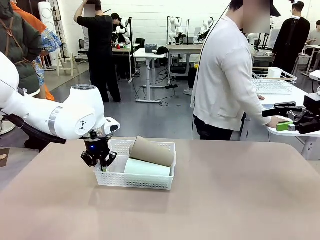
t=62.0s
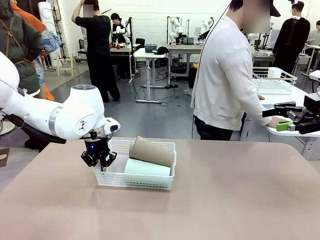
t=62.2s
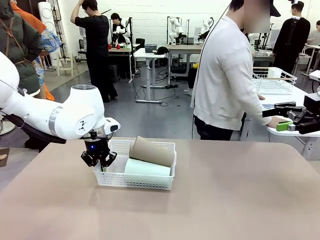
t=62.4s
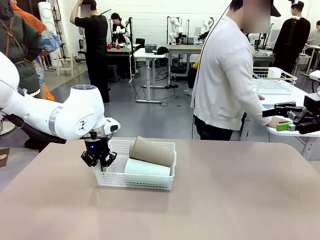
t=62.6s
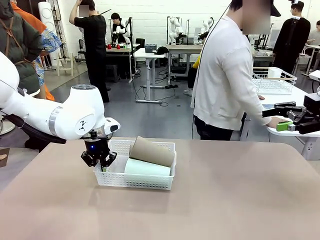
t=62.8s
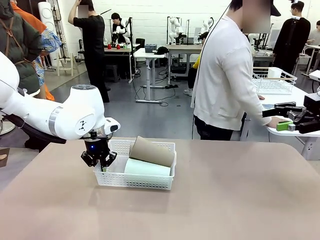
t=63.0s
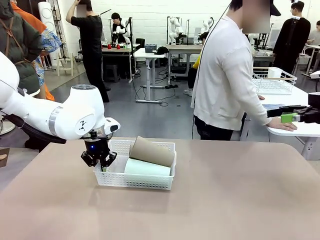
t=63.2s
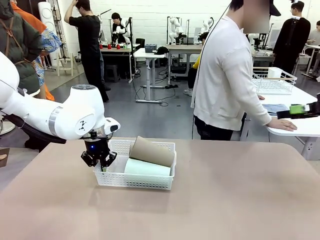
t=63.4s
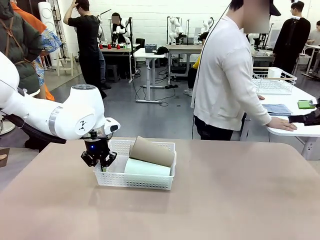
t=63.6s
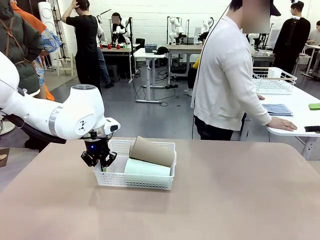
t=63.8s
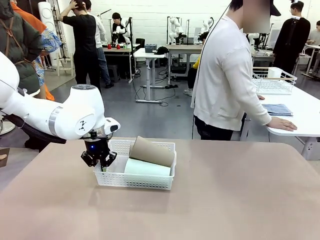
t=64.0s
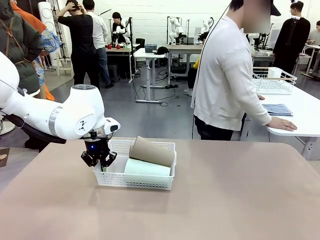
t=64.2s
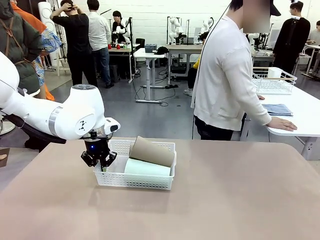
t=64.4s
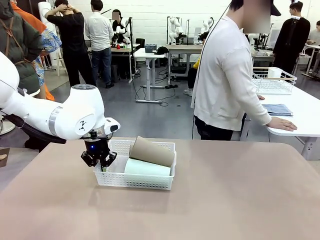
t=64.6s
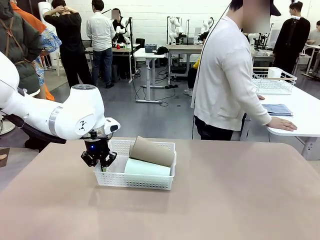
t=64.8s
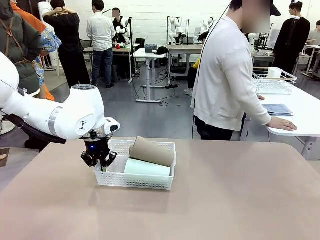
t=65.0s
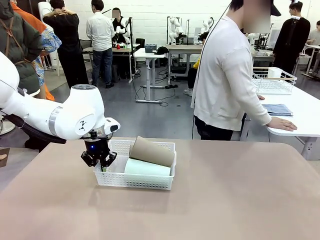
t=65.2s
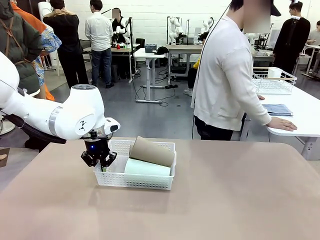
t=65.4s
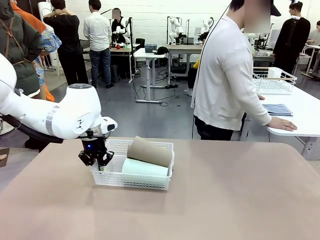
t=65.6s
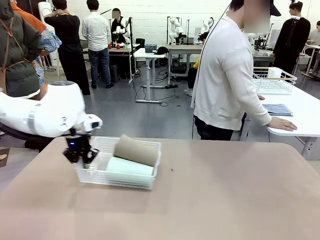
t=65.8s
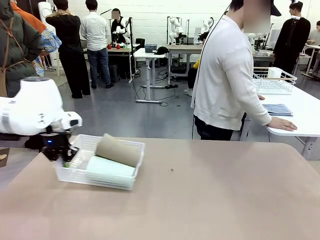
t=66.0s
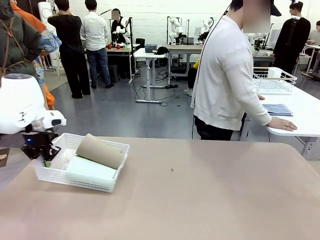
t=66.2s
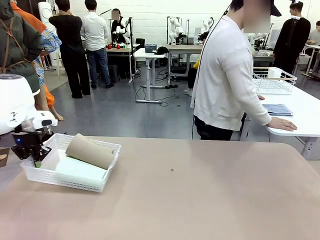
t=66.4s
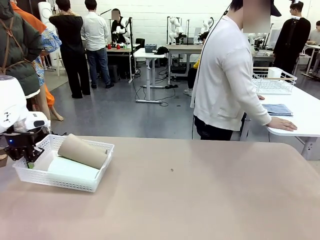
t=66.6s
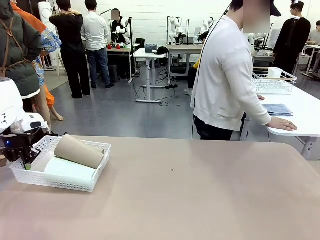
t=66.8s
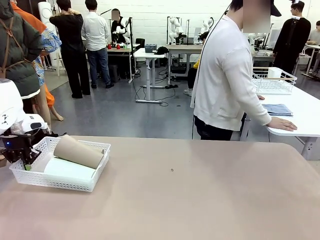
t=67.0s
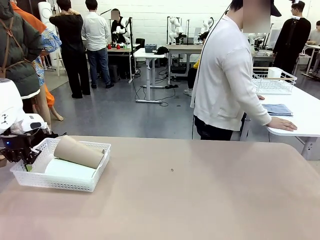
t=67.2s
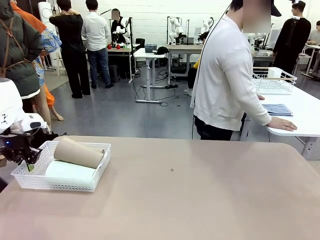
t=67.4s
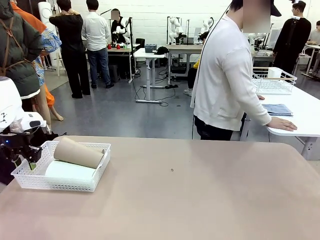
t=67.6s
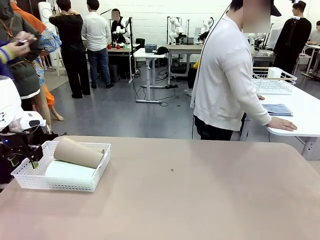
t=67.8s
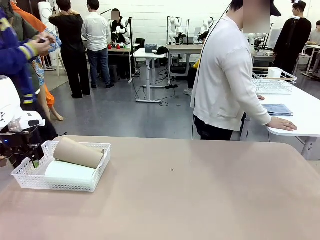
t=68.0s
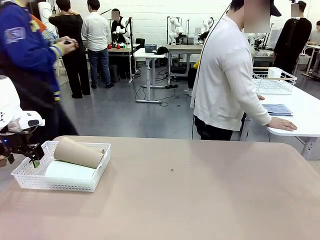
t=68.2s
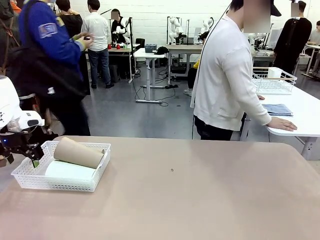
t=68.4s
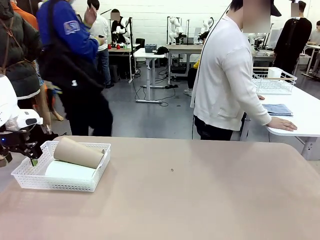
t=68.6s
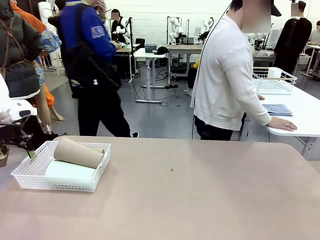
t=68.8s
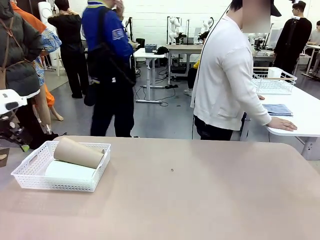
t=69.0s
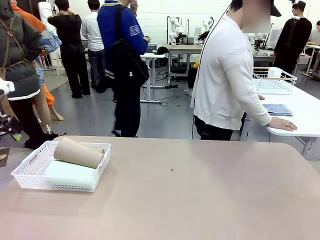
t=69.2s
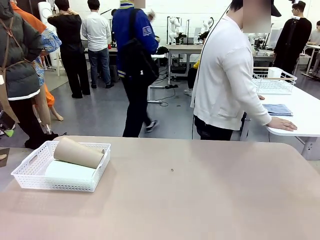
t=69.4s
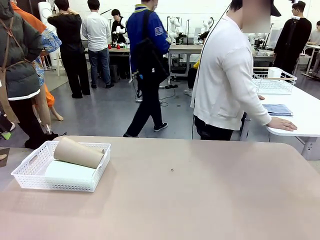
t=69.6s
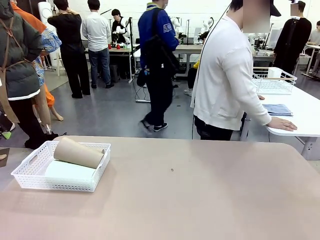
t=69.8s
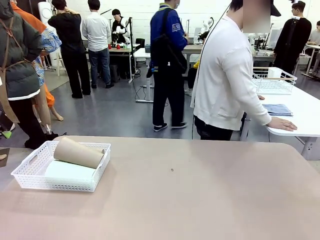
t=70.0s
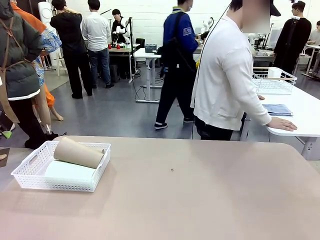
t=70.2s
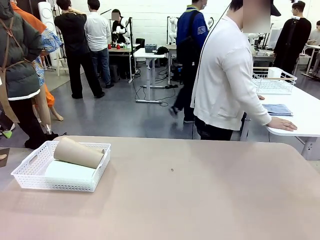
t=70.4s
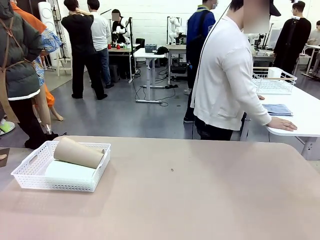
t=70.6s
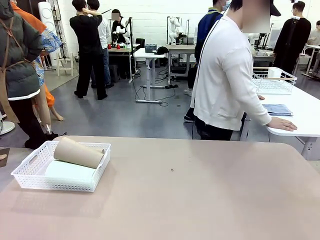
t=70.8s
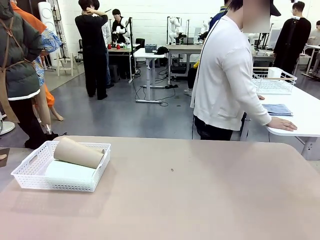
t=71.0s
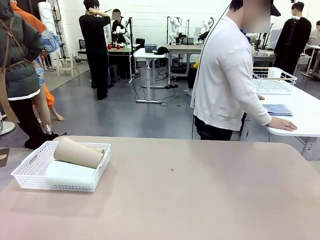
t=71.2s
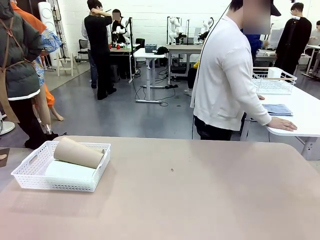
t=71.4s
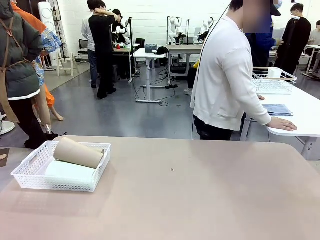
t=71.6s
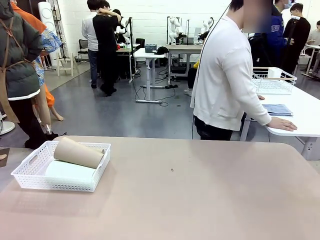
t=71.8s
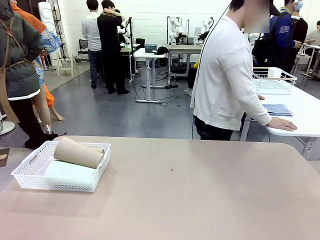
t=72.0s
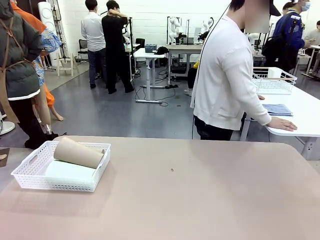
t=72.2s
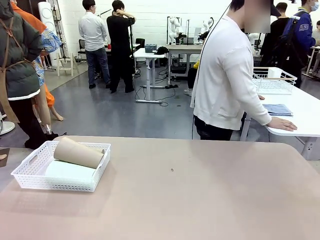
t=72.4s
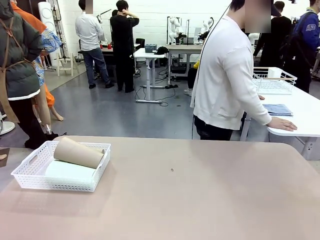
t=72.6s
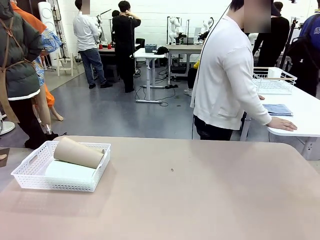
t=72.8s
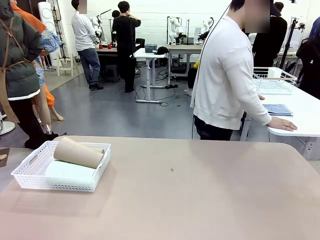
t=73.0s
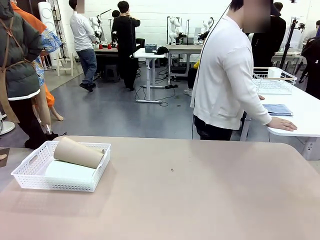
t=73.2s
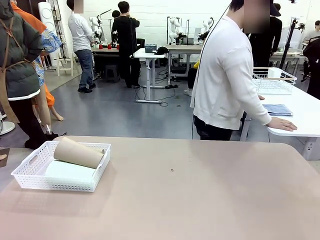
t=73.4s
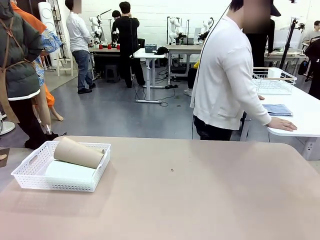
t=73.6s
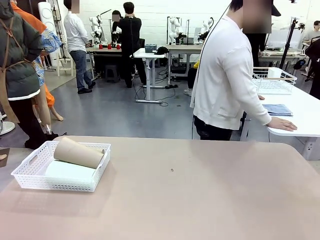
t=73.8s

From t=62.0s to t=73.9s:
Task: Clean and organize the cups into the basket.
Robot: Move the Organizing basket back to the left side of the table.
Person: Folds the towel in half twice and places it in the right of the table.

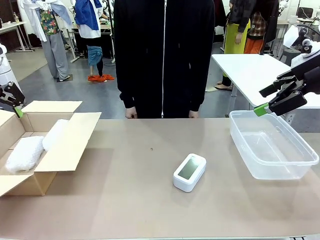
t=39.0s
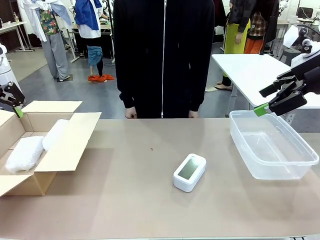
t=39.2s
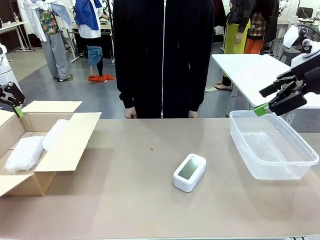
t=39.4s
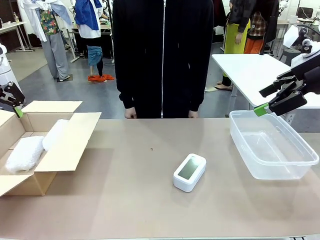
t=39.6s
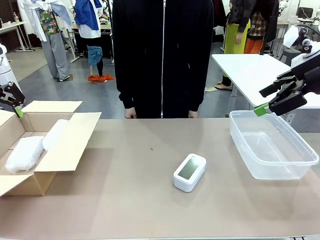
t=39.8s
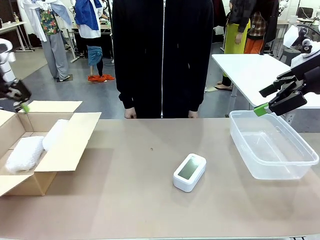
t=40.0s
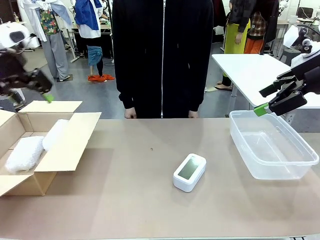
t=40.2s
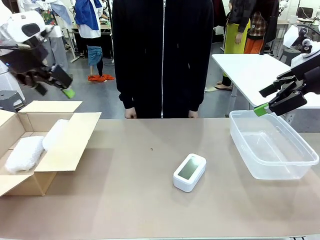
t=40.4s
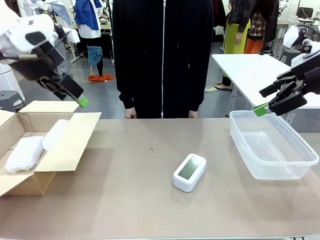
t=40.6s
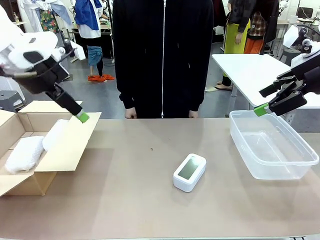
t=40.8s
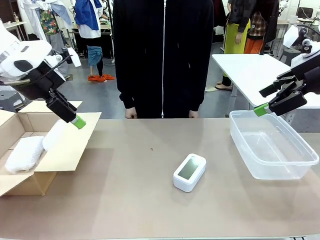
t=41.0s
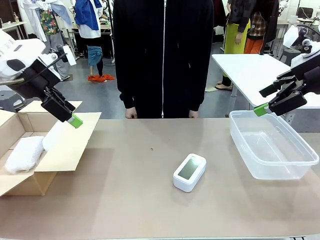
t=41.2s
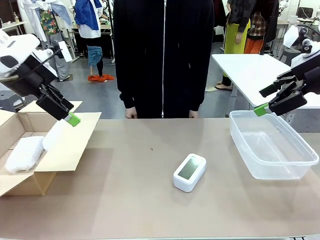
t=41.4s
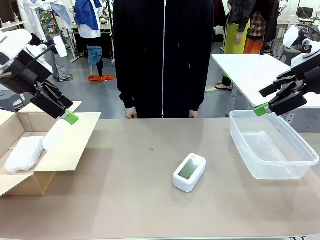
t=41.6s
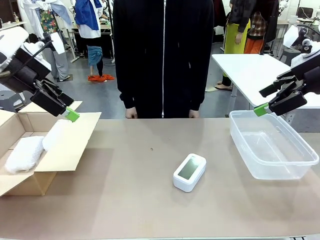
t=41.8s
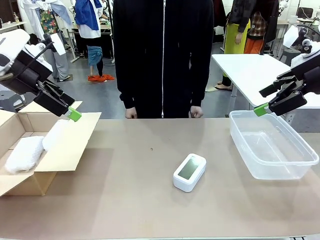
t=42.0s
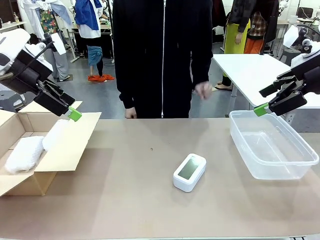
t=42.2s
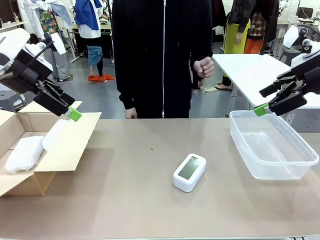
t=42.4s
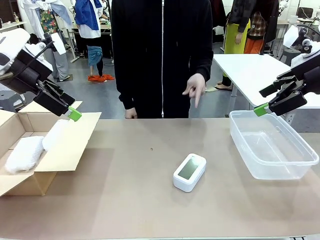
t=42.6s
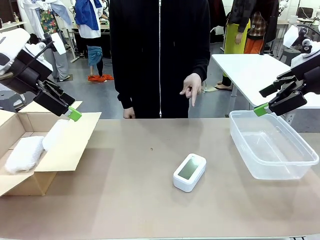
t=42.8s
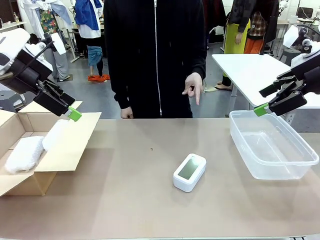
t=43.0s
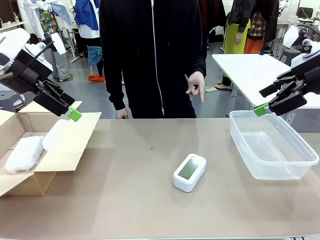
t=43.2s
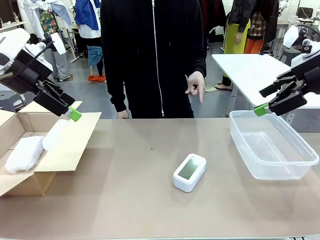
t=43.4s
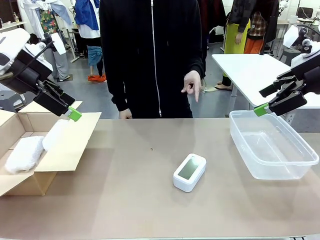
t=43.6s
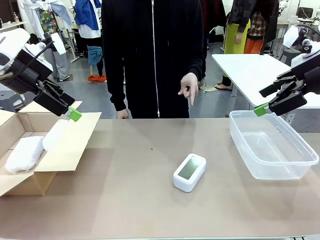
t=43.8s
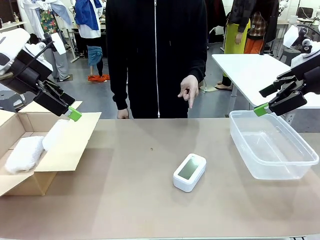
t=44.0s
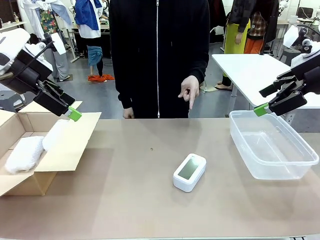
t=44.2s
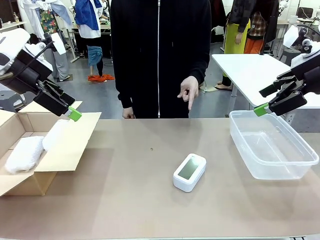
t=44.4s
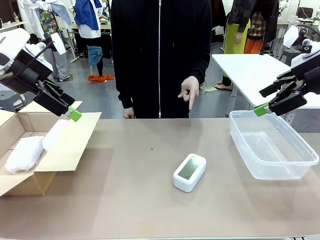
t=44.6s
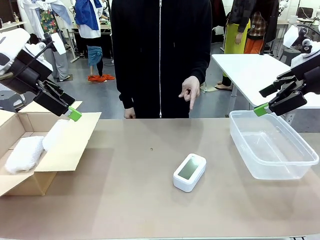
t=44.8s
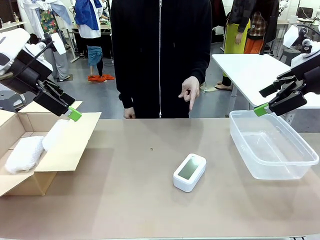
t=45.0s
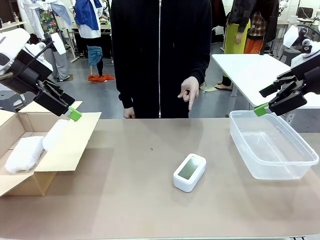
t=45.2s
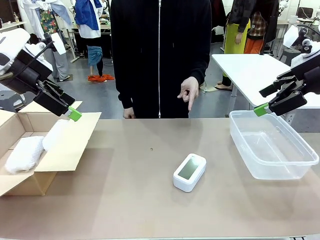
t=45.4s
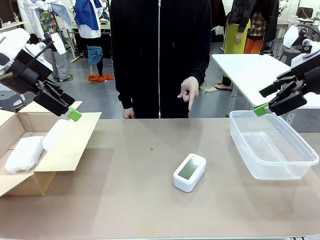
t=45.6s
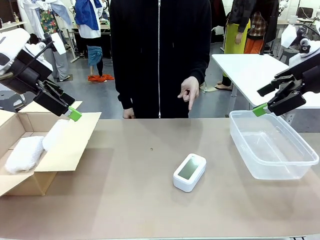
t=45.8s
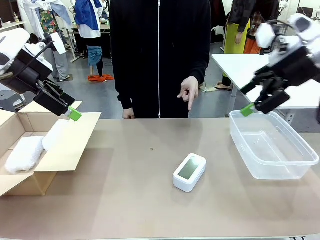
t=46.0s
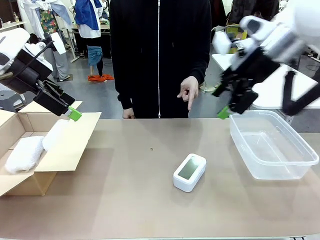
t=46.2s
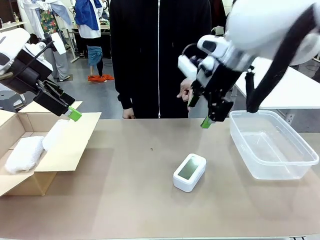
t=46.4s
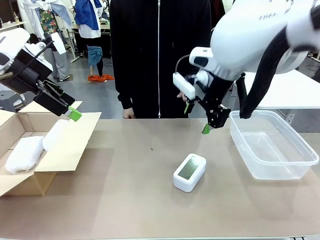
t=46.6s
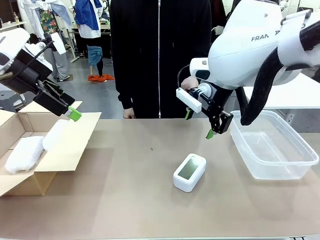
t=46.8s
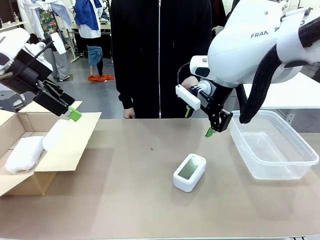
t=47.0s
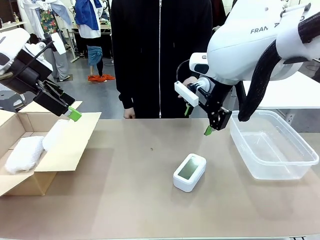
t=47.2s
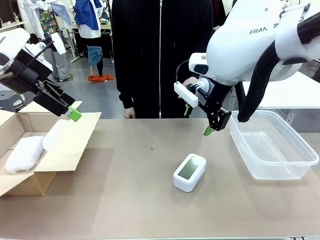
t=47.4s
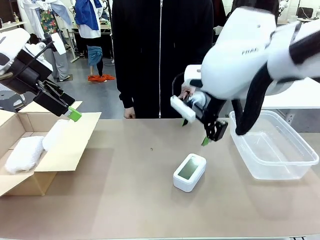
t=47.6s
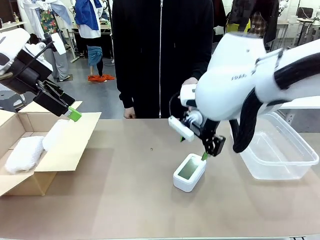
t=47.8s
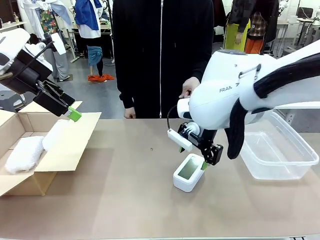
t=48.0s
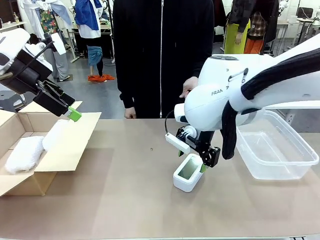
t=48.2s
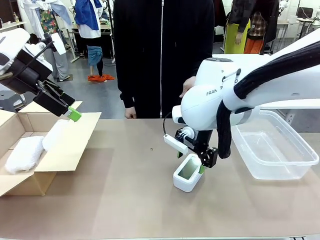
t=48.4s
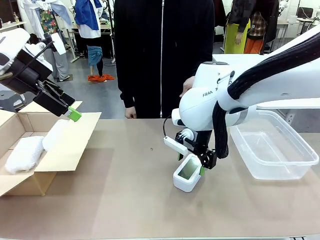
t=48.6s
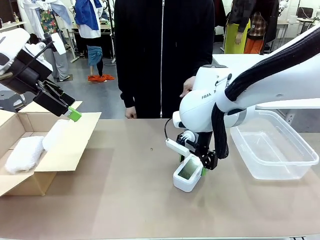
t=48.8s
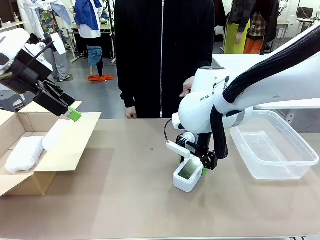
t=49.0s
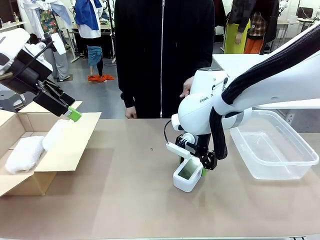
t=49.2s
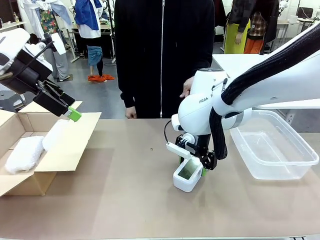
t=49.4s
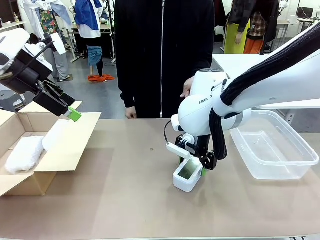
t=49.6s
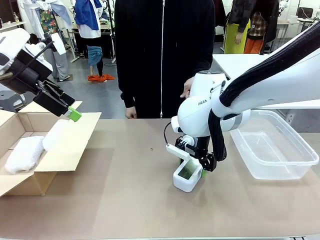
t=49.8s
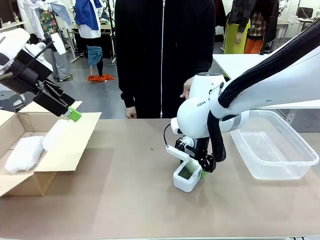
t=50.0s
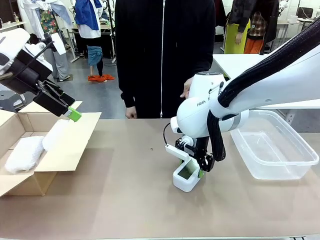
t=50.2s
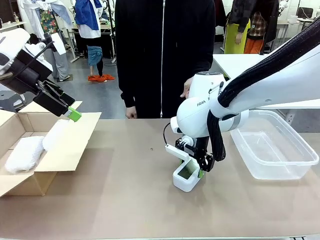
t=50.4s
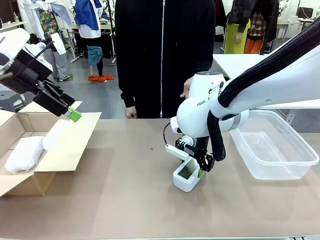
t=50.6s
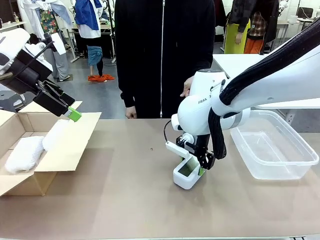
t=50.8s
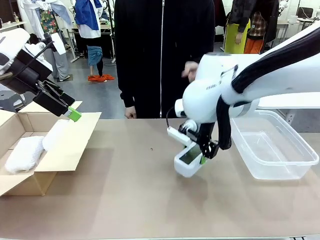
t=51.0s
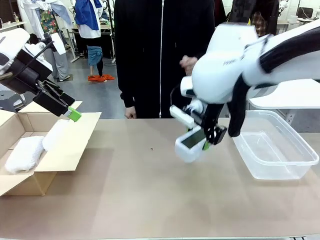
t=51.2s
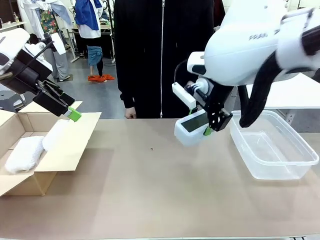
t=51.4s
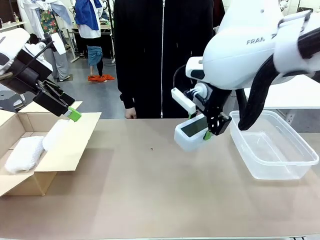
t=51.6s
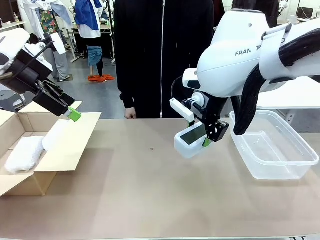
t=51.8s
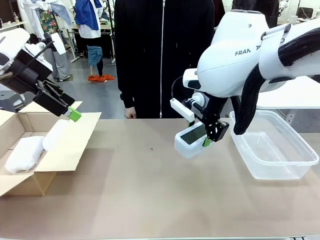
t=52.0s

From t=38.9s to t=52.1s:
Task: Separate and place wrapped and unwrapped clocks.
Robot: Pick up the Digital clock indicated by the person.
